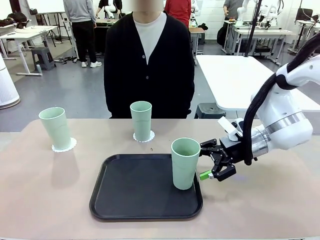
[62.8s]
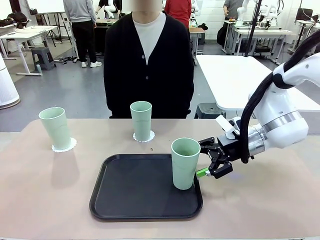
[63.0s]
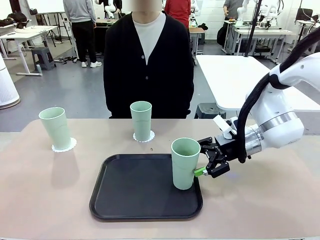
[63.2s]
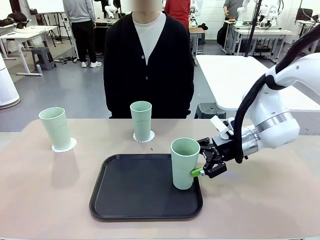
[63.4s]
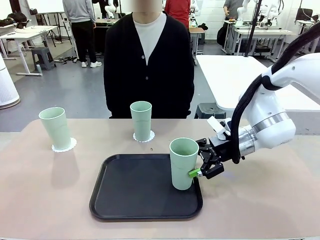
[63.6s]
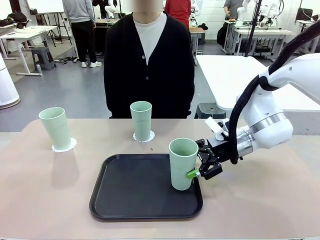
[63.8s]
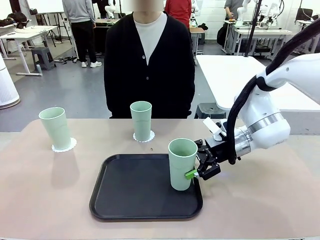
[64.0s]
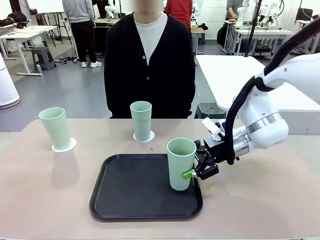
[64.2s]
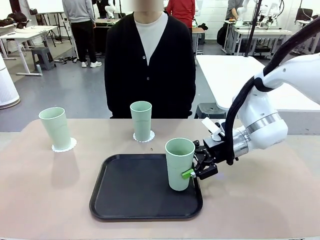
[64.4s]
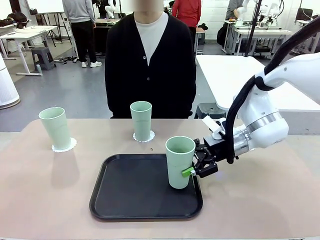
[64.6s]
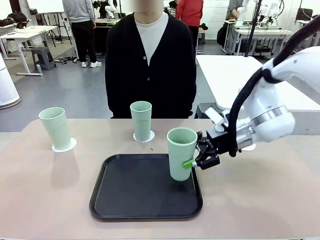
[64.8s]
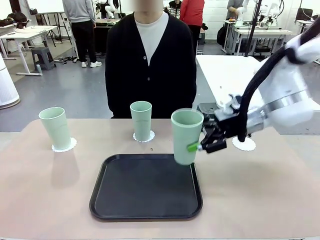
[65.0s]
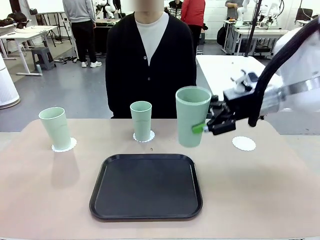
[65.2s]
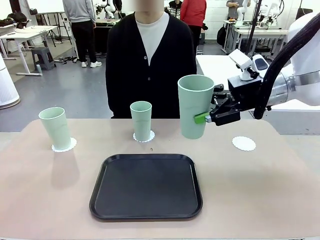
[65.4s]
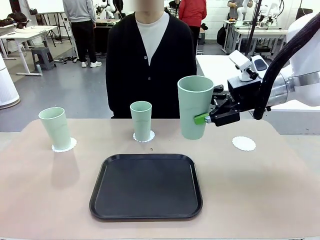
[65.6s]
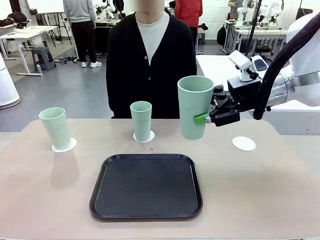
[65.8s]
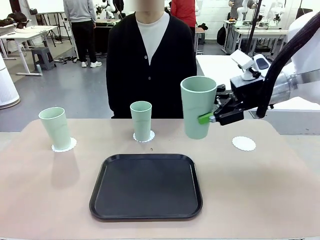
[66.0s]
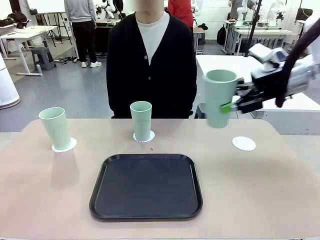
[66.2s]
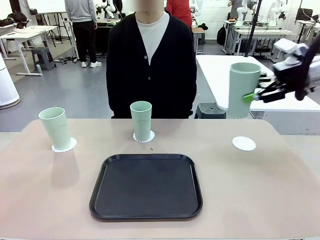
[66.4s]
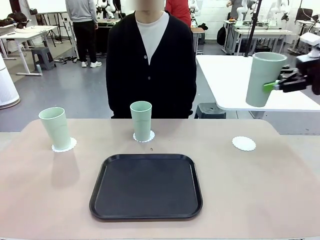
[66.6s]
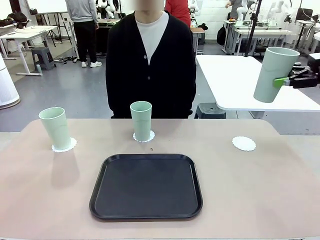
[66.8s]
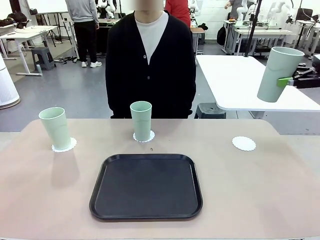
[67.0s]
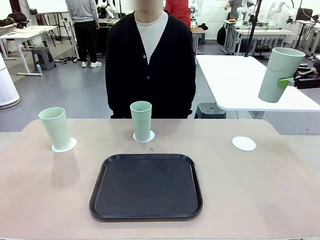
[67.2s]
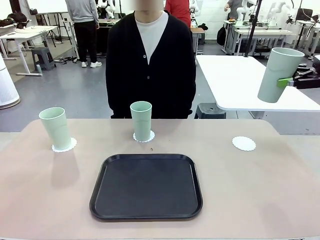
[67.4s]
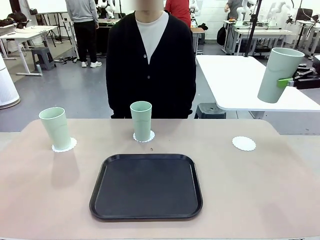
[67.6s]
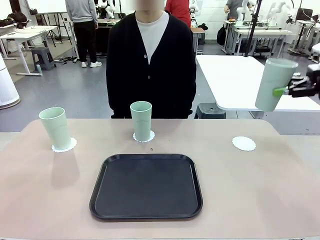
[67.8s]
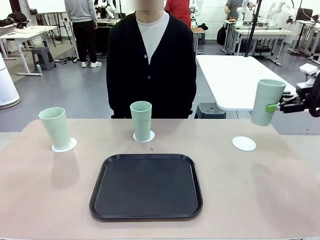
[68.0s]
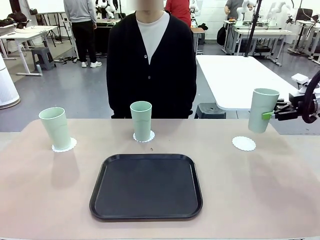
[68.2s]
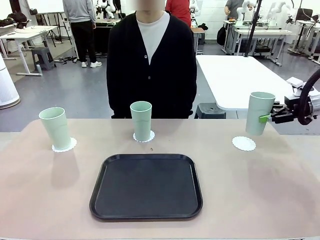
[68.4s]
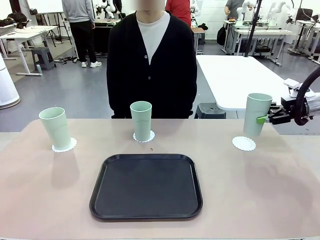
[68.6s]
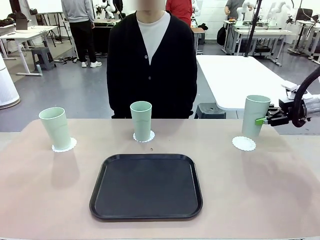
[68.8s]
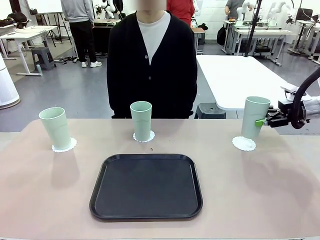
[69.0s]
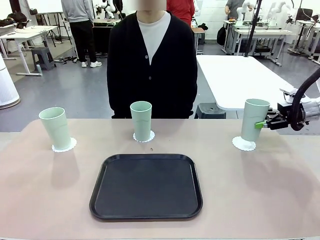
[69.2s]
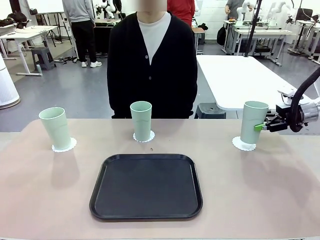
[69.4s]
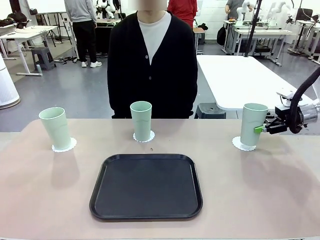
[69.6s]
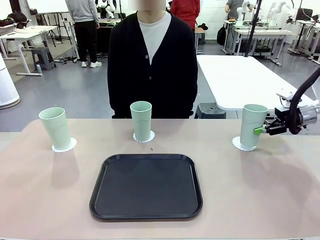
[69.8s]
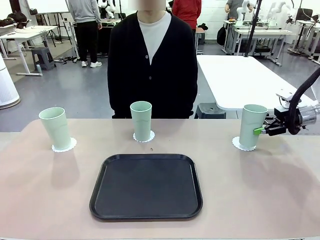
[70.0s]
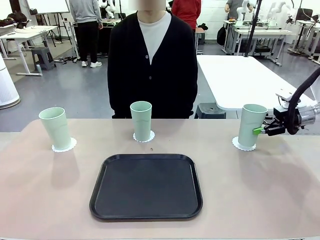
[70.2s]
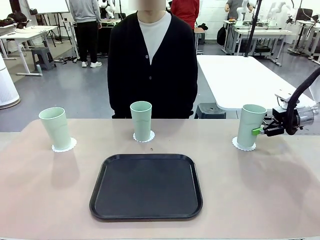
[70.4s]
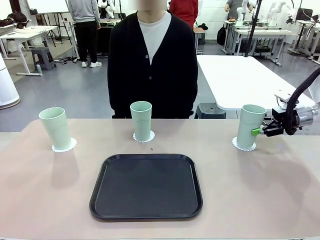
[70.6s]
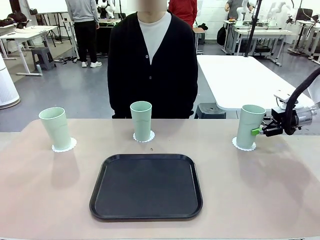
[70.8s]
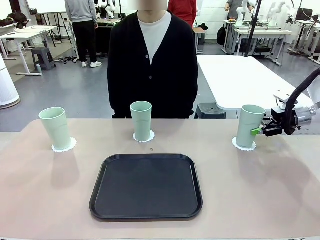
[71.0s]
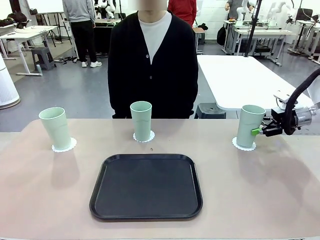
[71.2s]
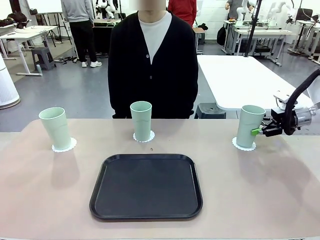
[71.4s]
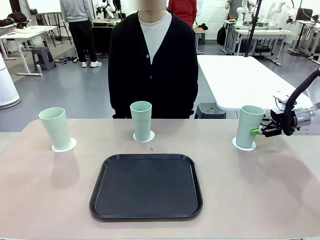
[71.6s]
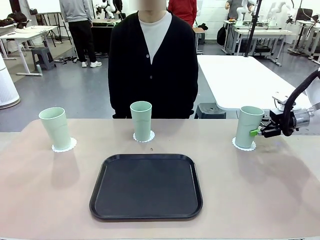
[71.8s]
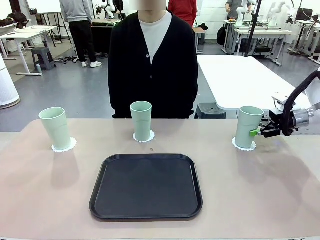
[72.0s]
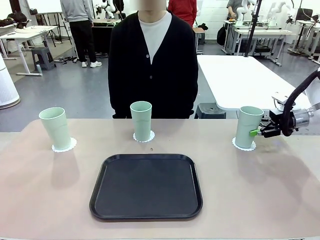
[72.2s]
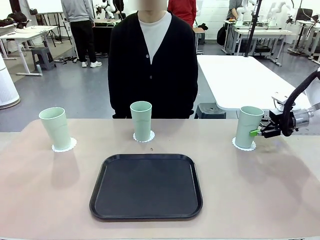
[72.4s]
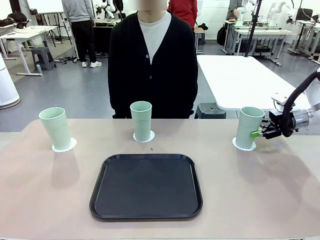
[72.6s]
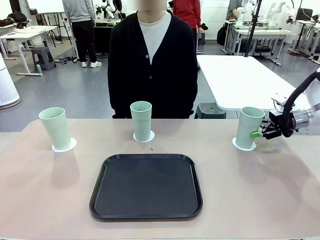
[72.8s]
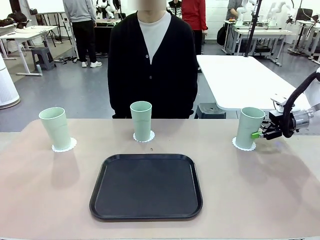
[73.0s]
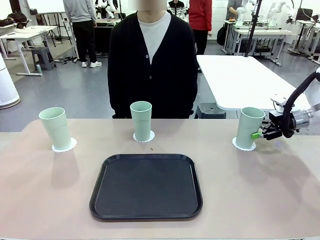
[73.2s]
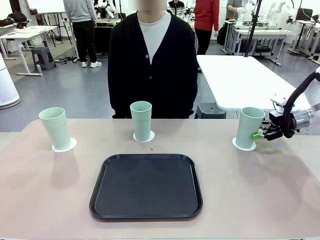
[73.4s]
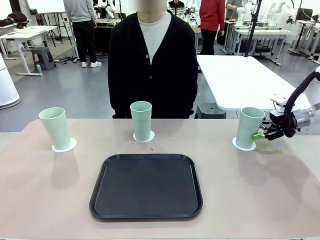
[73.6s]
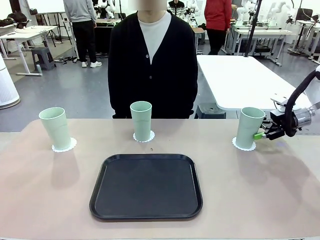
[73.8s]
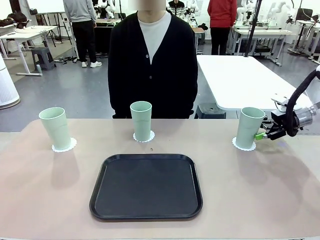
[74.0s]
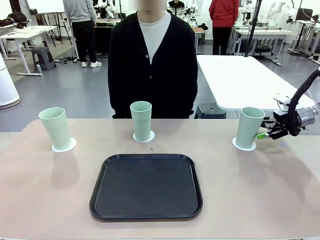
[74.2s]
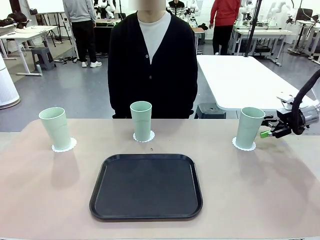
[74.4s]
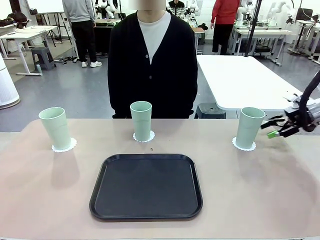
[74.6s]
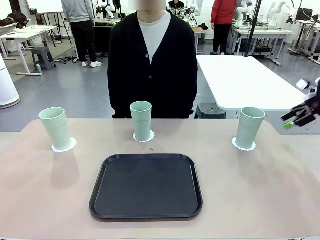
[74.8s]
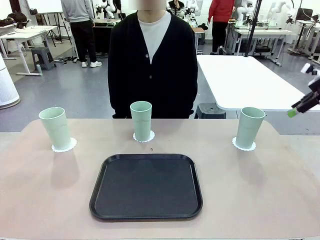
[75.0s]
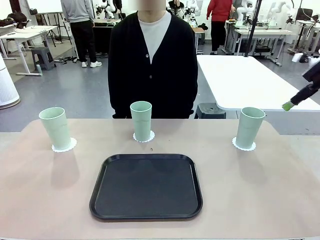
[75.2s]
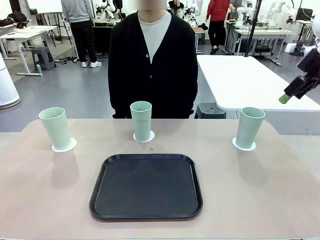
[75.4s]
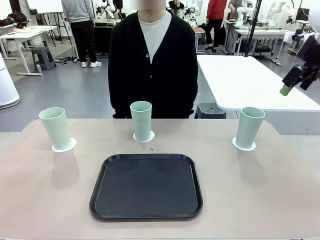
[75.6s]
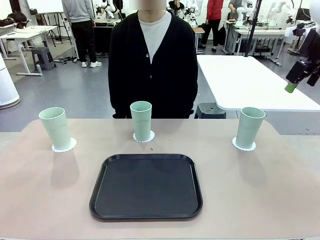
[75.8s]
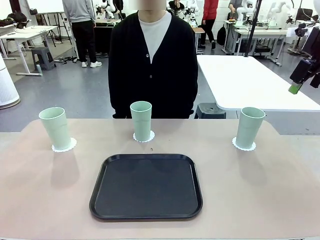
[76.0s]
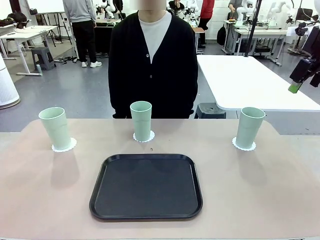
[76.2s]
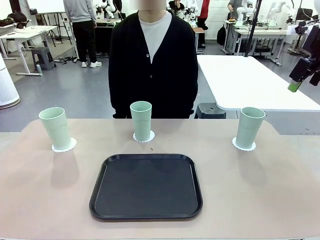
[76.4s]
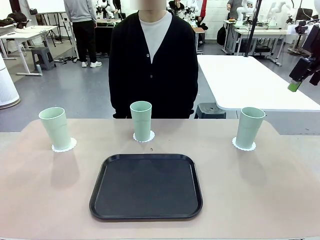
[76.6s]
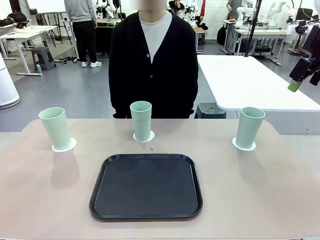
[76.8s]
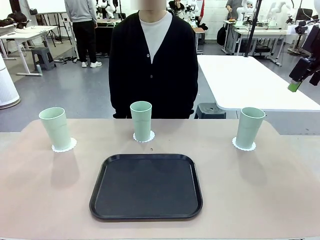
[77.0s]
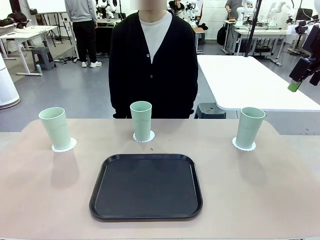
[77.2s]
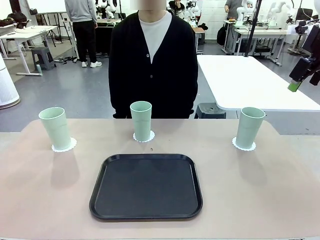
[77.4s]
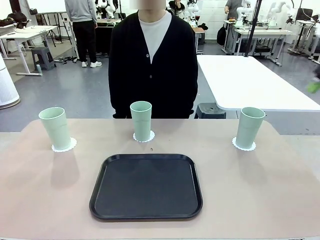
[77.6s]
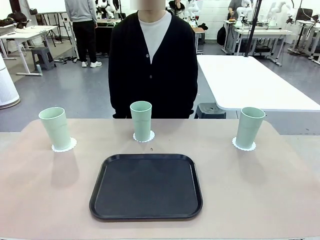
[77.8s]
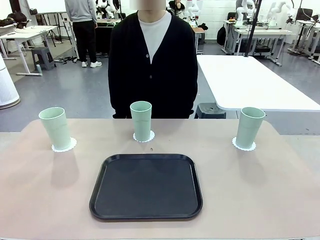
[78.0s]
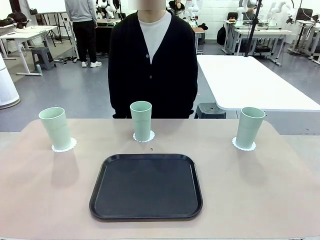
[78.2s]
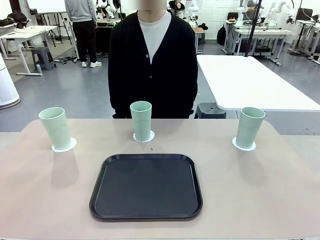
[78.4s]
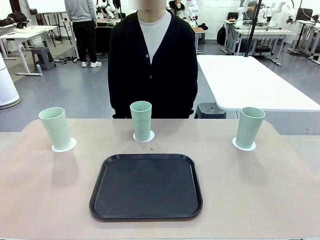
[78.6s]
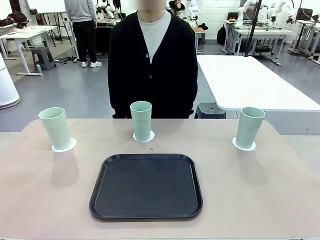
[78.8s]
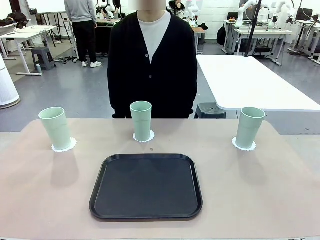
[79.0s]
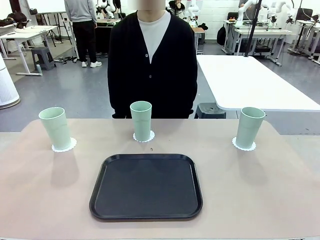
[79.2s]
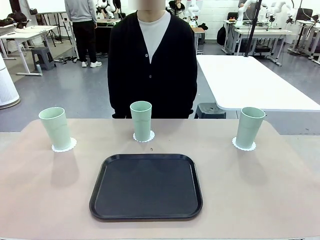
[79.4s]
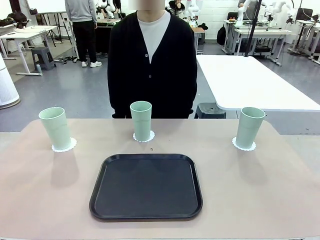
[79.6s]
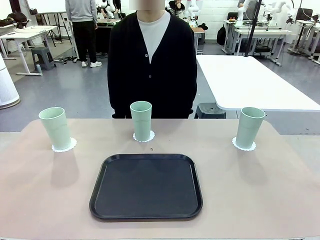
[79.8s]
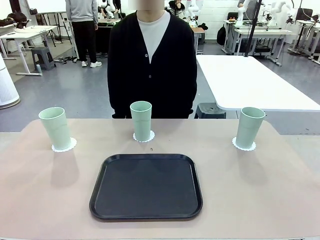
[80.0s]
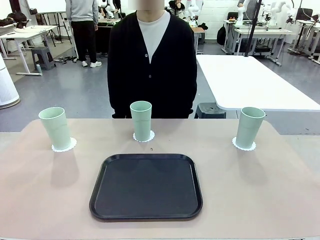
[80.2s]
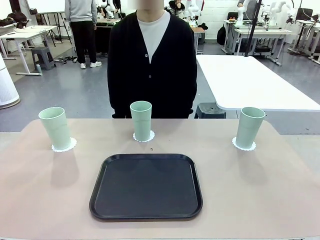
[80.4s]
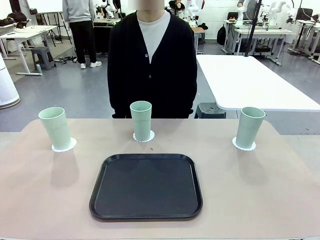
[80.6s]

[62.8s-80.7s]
Task: Place coasters on the table and set cups on them.
Robot: Take one Reusable plastic cup from the Flat Tray and place it on a coaster set by the human.
